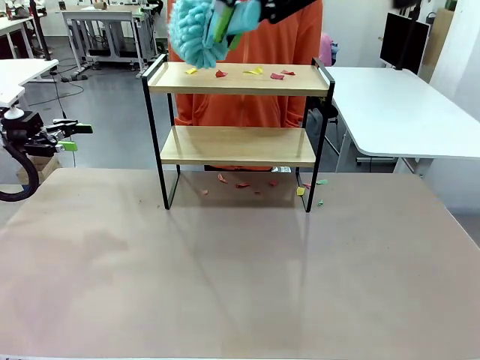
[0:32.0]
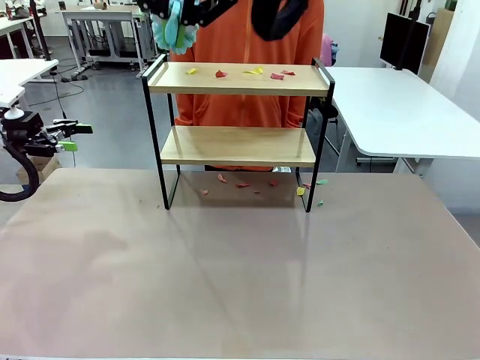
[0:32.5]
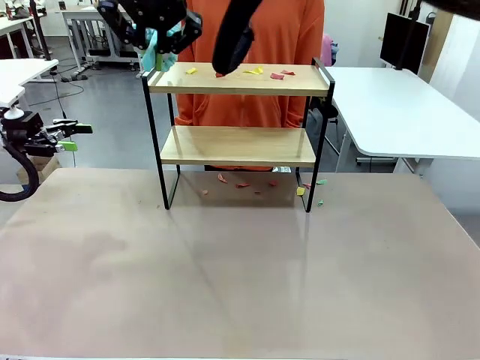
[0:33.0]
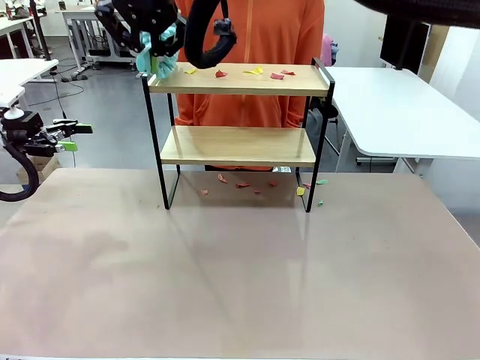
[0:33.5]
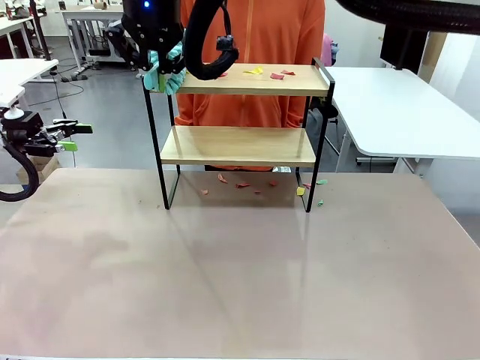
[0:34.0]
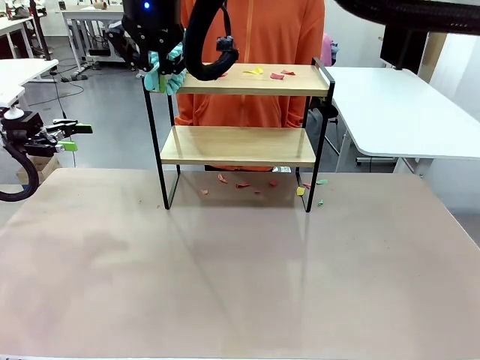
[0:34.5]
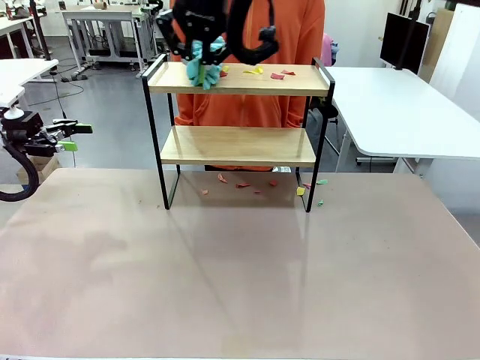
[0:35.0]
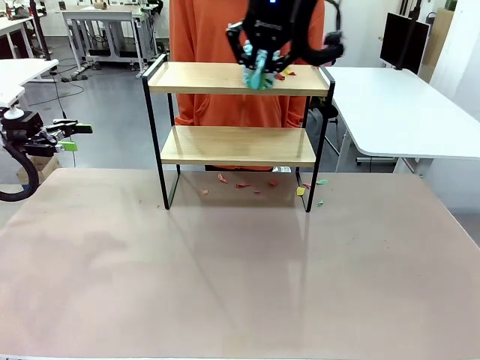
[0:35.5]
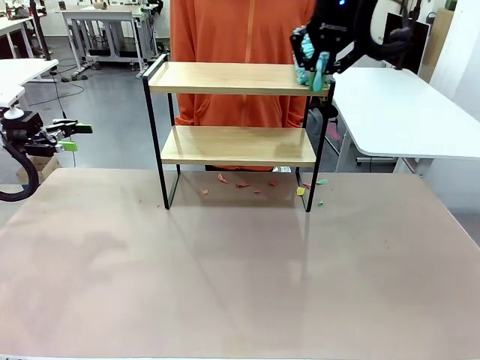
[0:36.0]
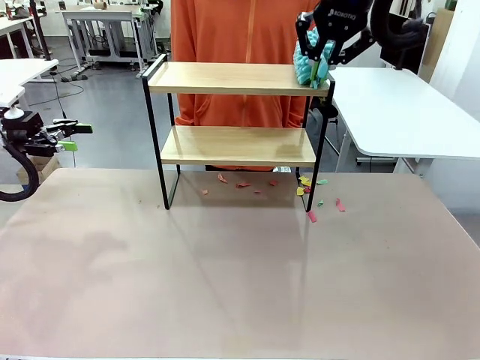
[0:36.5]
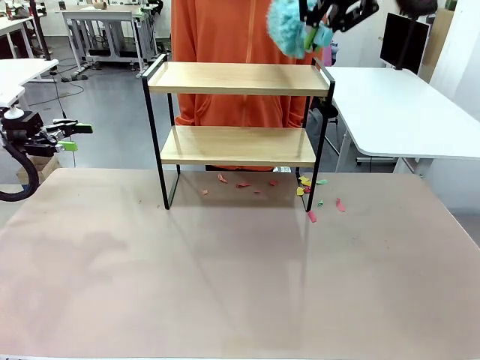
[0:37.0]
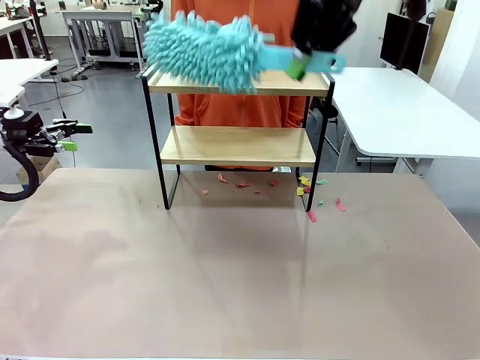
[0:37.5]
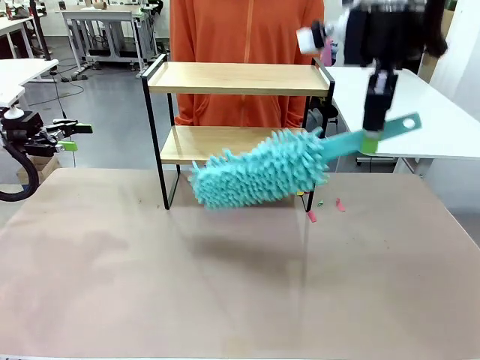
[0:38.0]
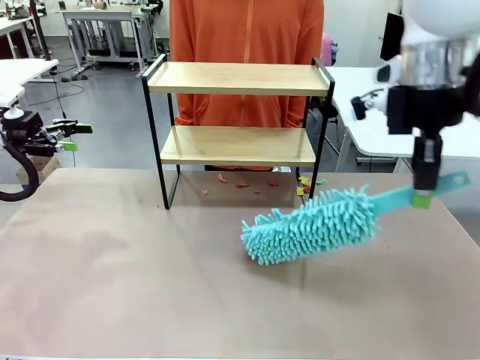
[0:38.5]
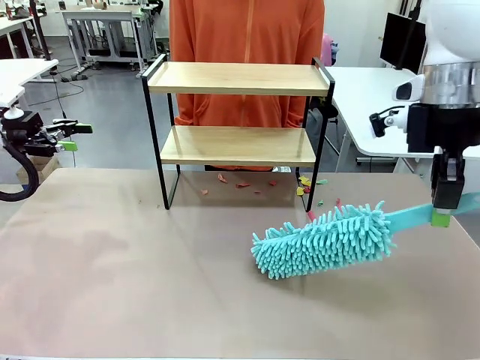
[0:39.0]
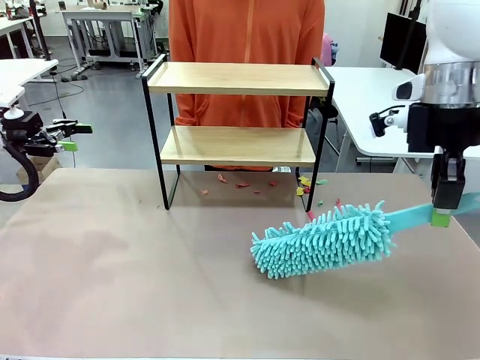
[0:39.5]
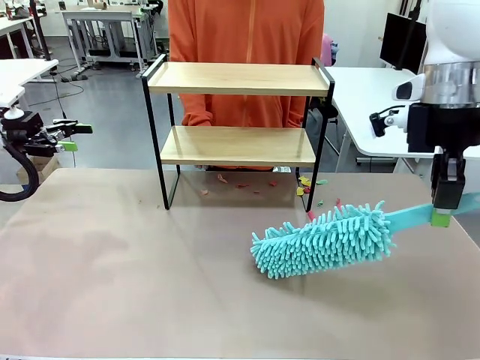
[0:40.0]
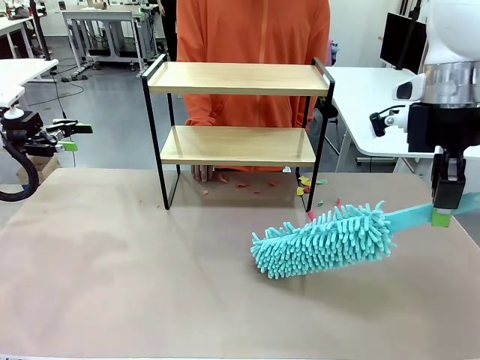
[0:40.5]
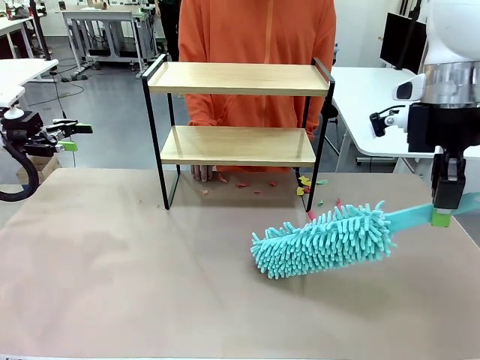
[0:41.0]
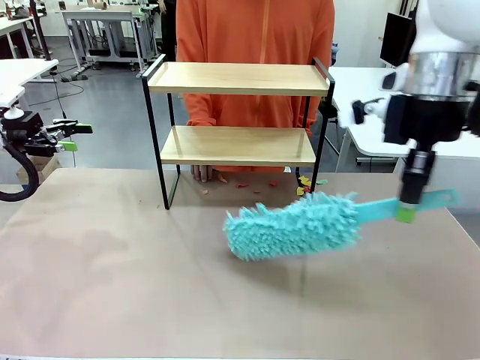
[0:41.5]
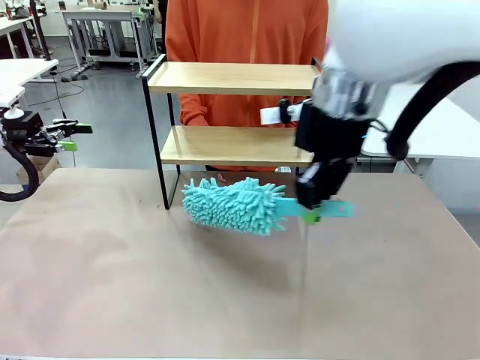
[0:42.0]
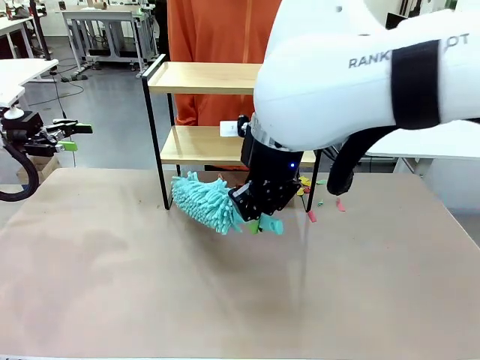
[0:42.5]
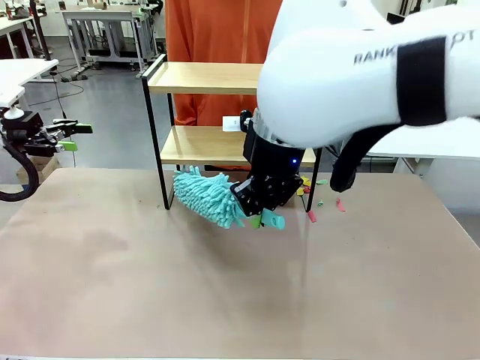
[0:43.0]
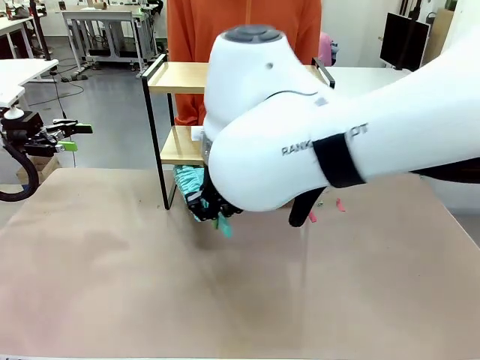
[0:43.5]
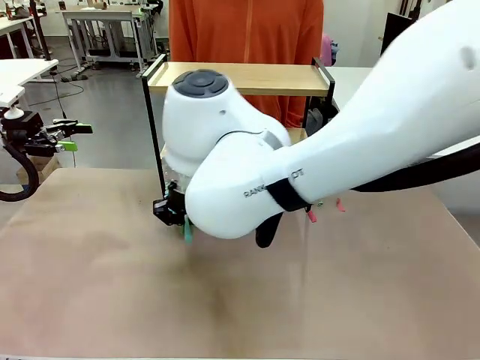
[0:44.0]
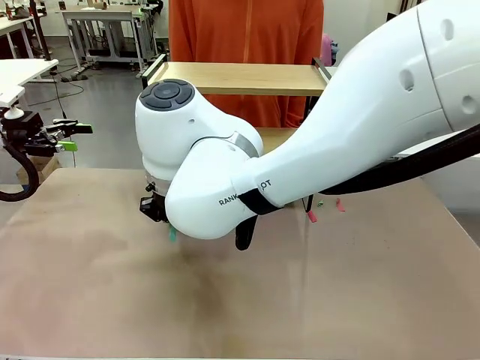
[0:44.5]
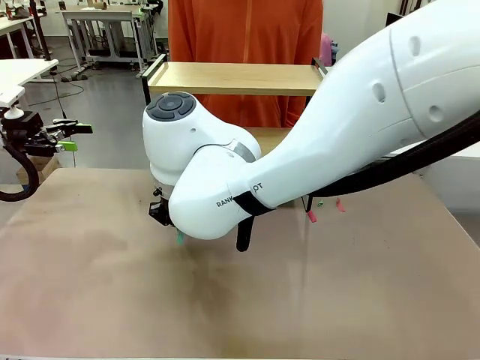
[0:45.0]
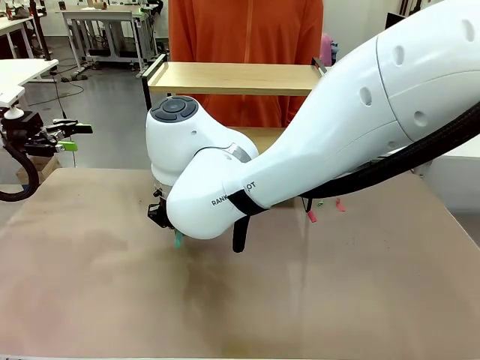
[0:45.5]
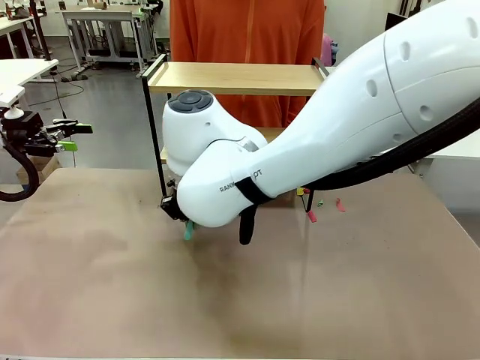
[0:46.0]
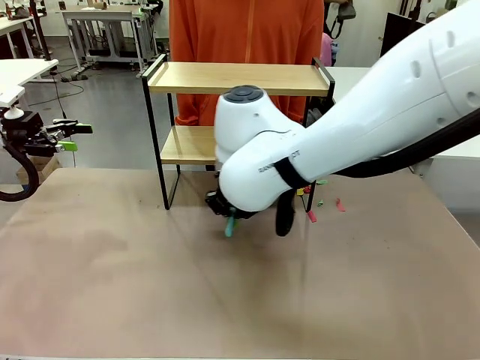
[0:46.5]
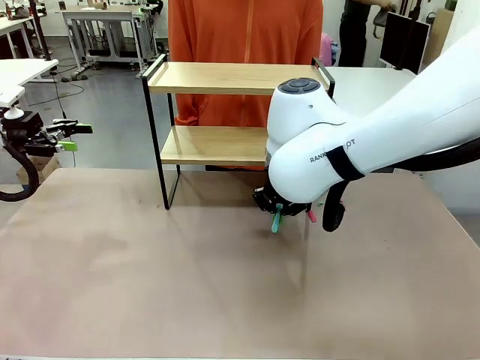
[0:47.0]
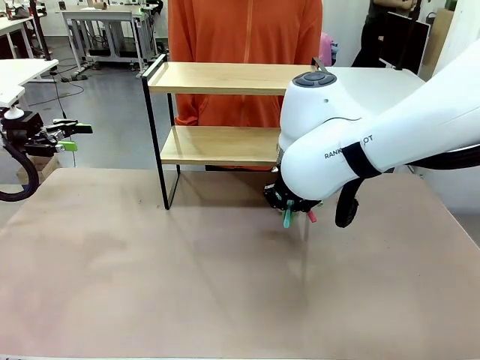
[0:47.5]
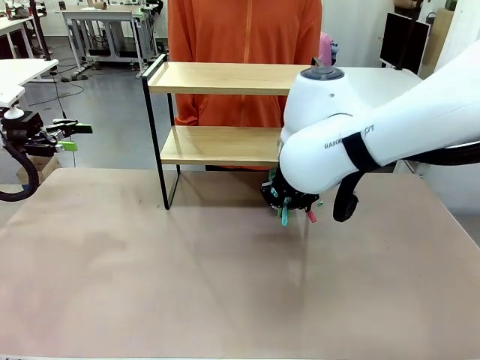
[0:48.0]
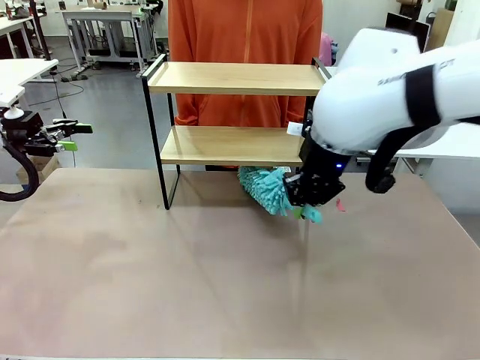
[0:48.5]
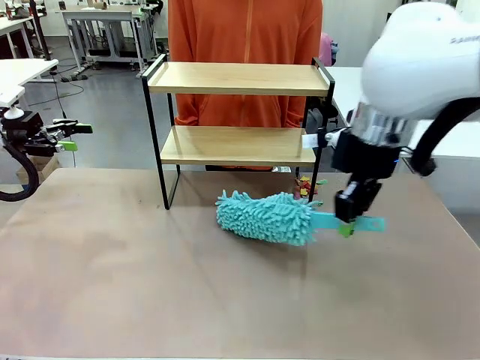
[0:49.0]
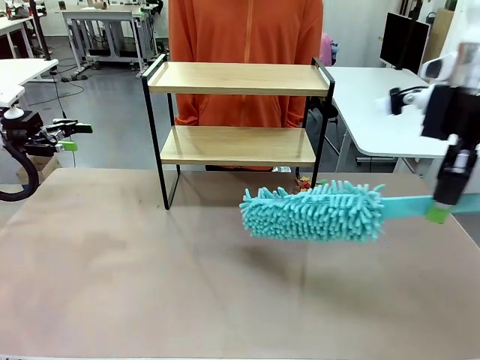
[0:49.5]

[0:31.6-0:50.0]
Task: Clean the shelf.
Robot: Clean the specific section of the Shelf indicated by the human with the Duster.
Person: Point a remaining section of the Shelf.
